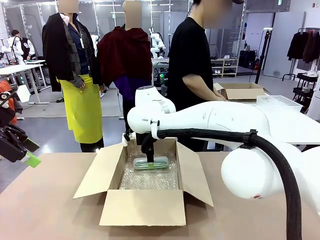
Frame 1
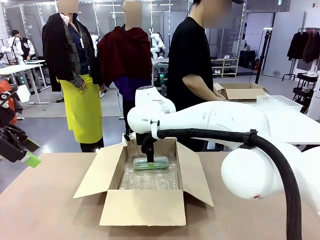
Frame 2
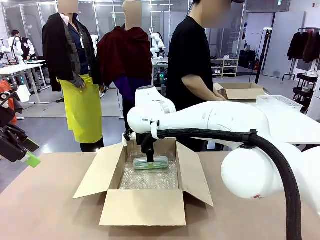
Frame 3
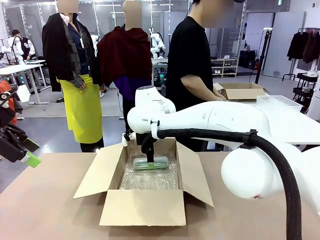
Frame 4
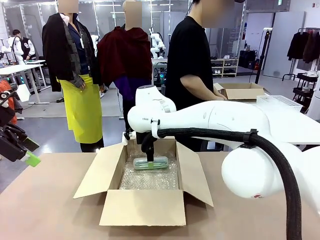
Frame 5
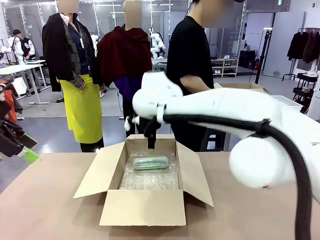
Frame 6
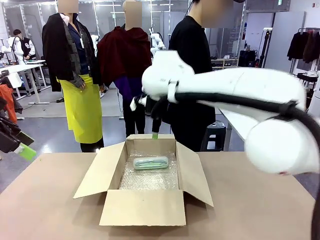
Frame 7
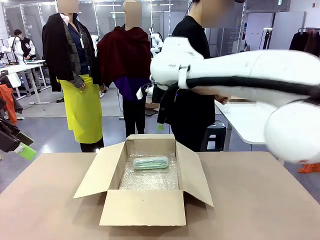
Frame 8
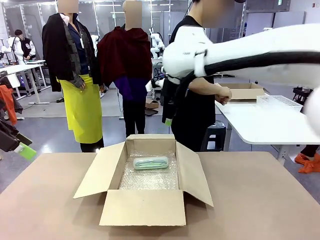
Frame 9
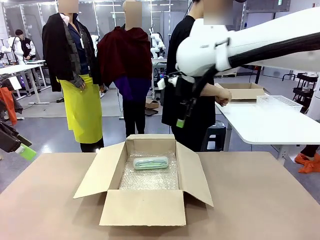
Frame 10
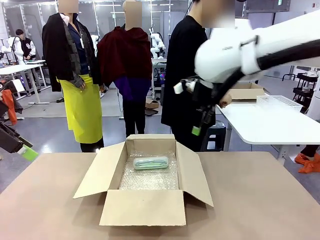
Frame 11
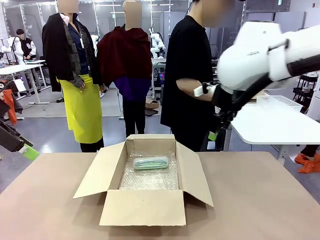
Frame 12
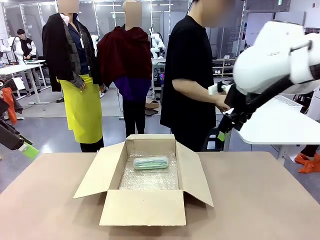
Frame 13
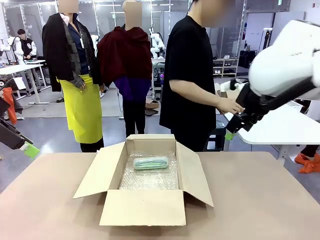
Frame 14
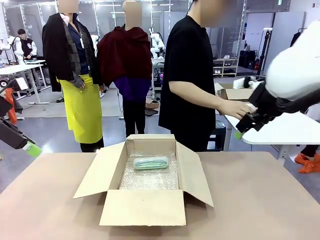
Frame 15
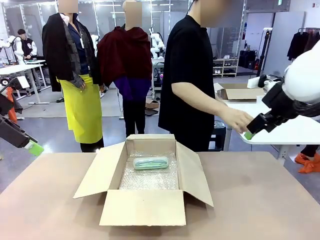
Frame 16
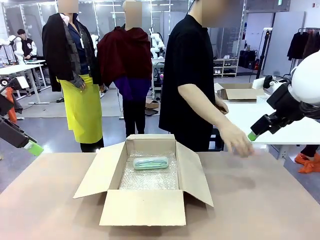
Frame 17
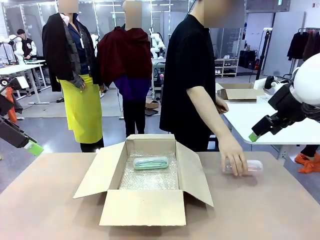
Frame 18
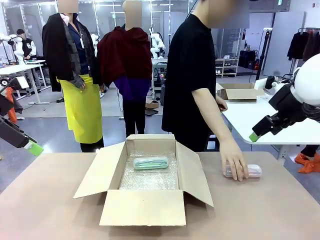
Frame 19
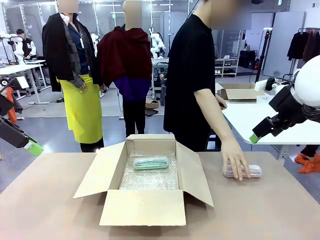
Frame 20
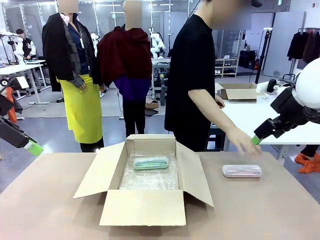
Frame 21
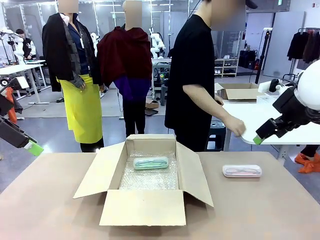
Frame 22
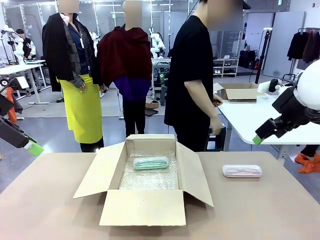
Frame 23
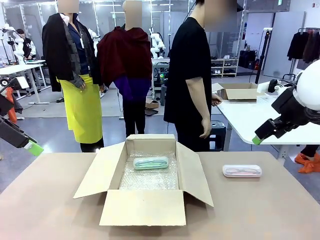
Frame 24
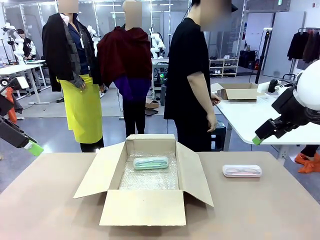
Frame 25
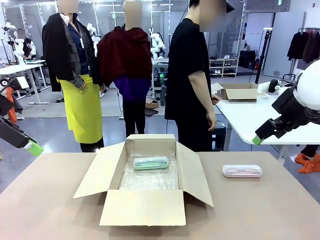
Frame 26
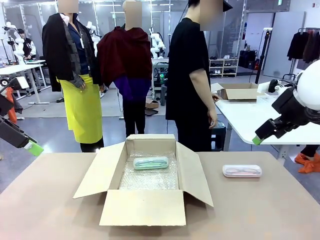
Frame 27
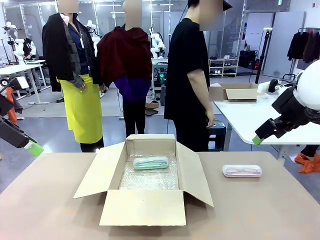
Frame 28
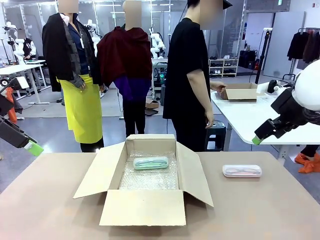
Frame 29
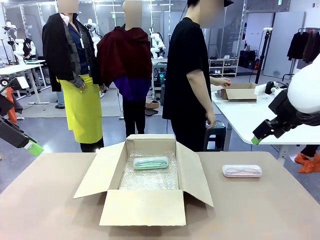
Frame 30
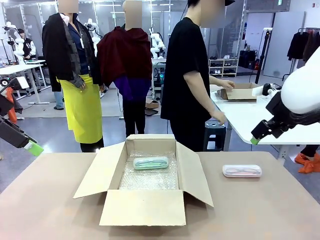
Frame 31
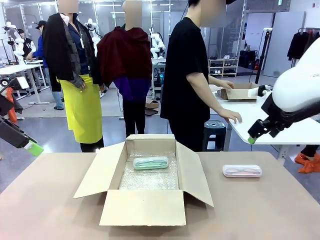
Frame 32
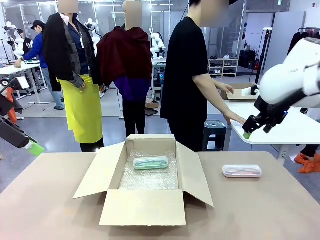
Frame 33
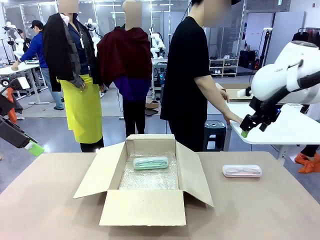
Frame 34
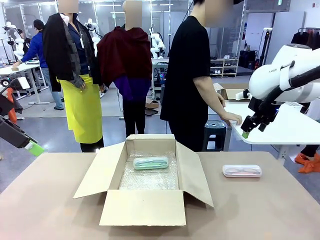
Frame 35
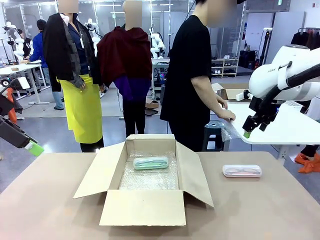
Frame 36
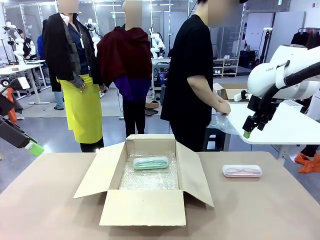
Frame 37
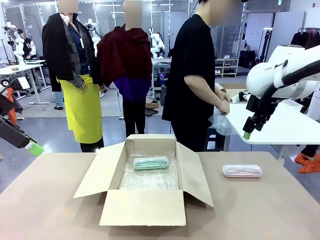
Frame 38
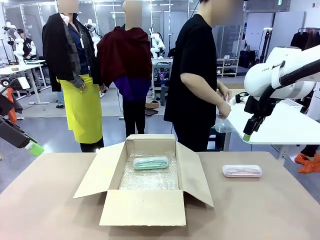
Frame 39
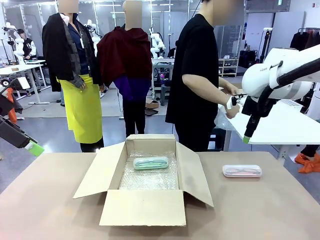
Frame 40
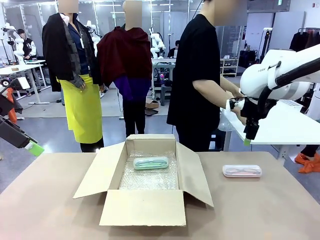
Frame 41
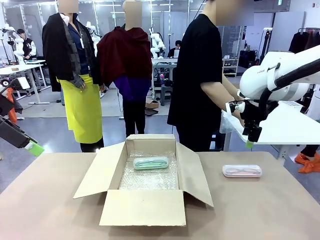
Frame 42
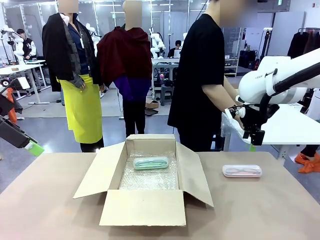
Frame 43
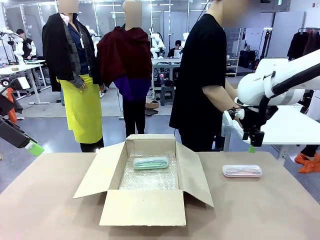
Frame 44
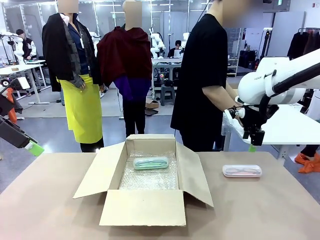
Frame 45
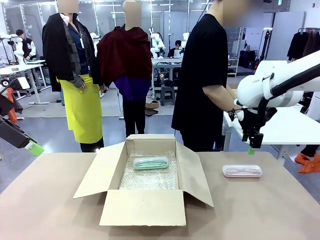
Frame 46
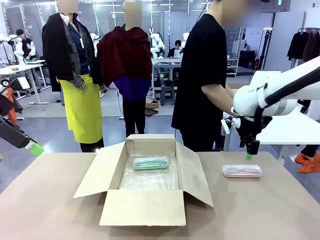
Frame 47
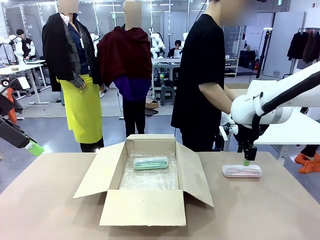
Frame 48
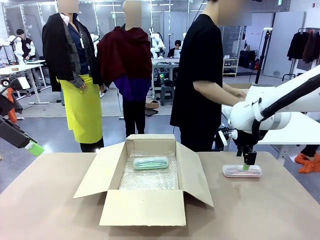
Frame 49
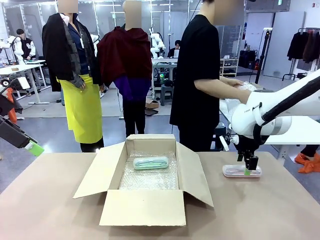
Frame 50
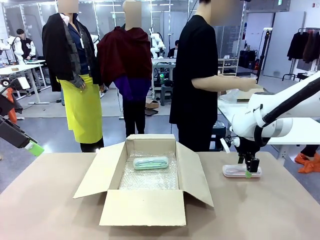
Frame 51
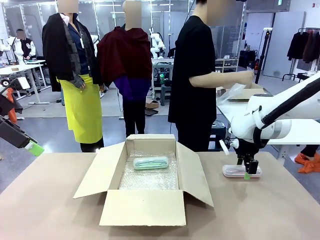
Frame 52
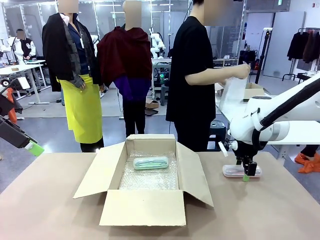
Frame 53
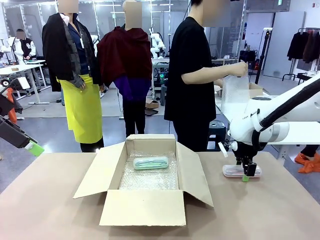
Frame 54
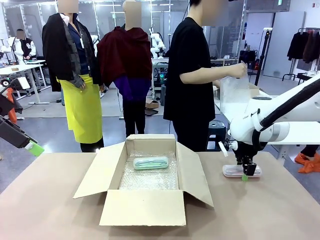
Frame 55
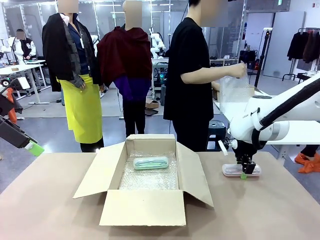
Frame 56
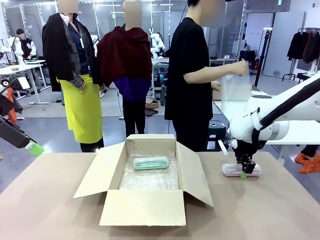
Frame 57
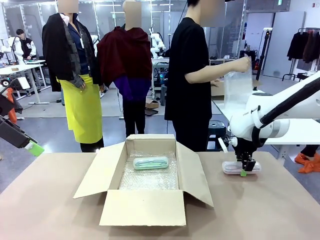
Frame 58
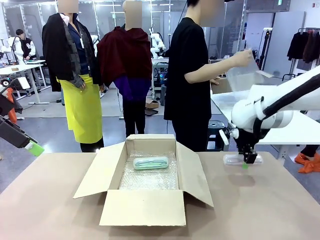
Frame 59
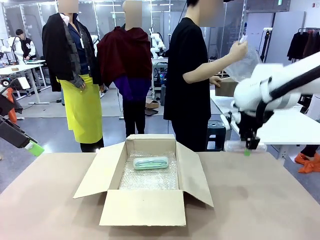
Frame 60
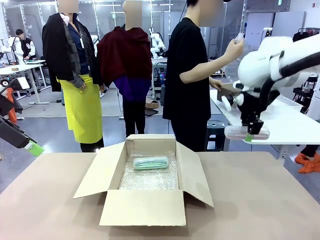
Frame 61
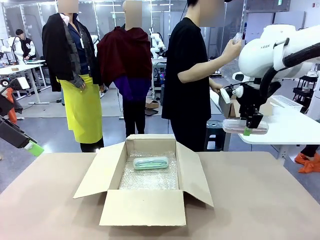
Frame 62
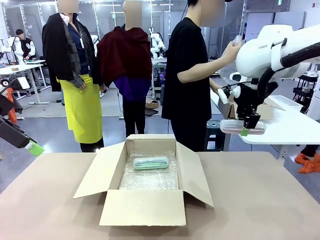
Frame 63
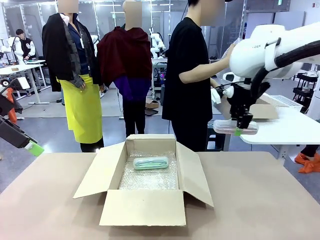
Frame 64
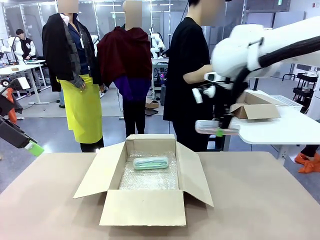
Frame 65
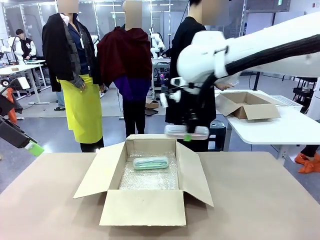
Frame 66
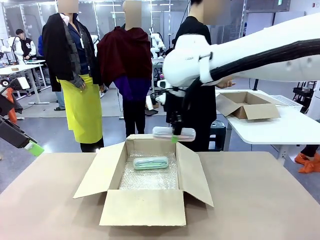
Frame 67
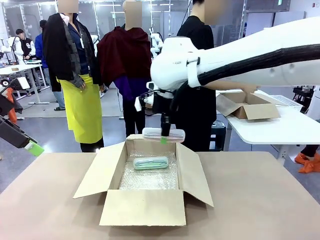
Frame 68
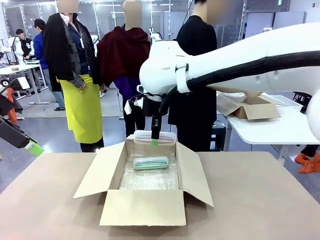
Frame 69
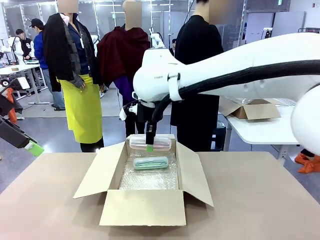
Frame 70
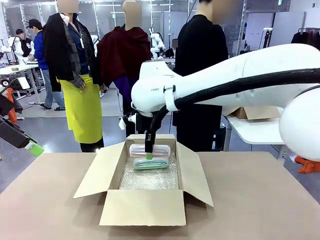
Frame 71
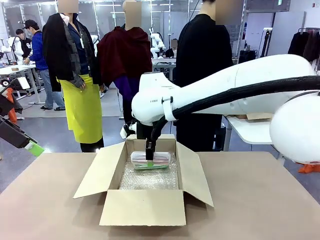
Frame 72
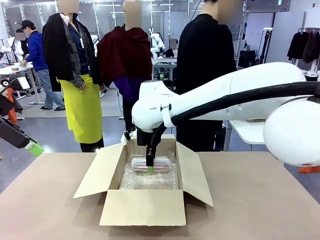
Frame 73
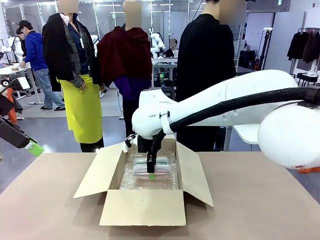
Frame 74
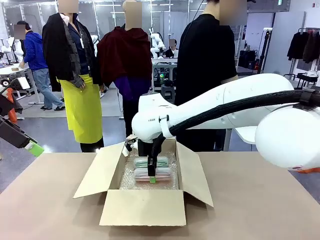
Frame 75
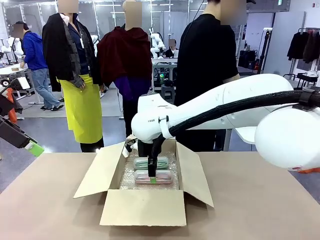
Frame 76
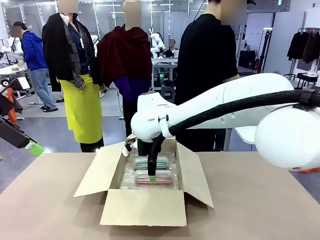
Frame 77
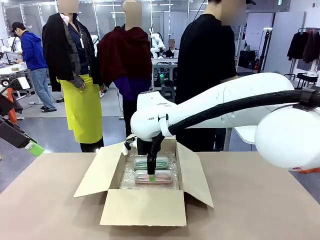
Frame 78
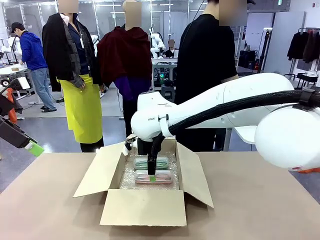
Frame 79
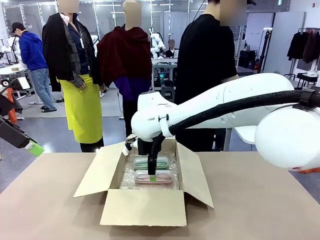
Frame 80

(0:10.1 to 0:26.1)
Task: Pack the glasses set securely to prepare it for shipping.
Robot: Put the Glasses case from the right side of the table into the Package Box.
Person: Position the Glasses case on the left side of the robot's table.
